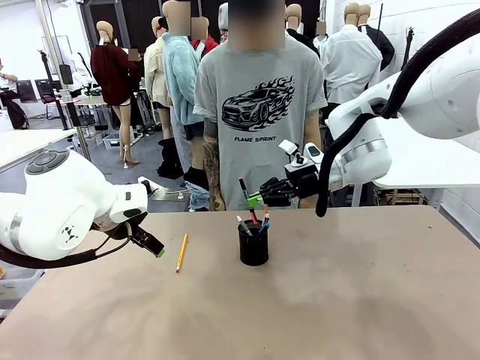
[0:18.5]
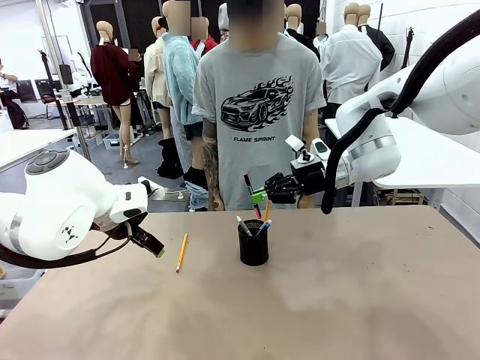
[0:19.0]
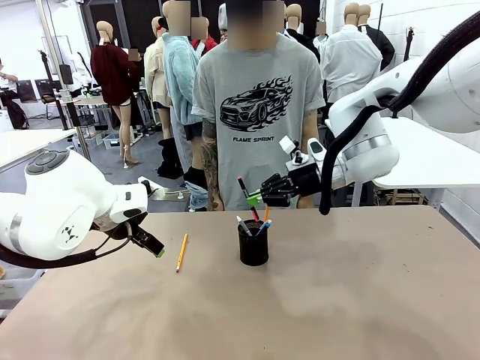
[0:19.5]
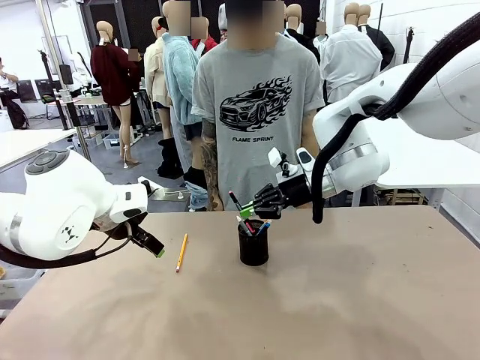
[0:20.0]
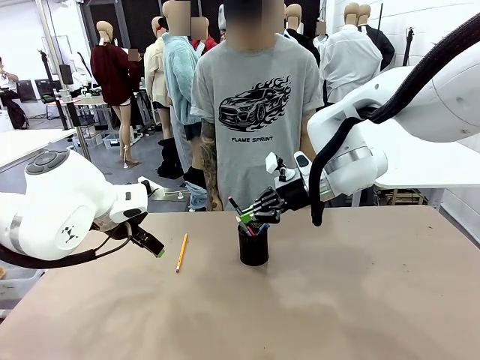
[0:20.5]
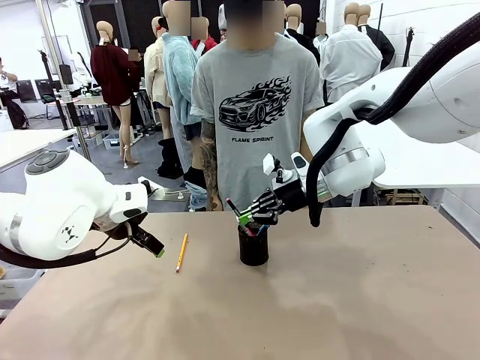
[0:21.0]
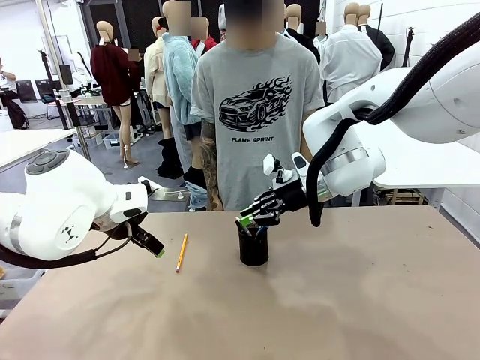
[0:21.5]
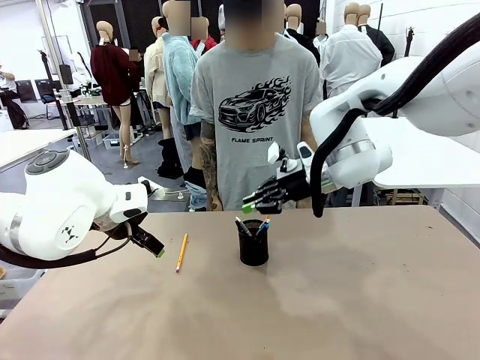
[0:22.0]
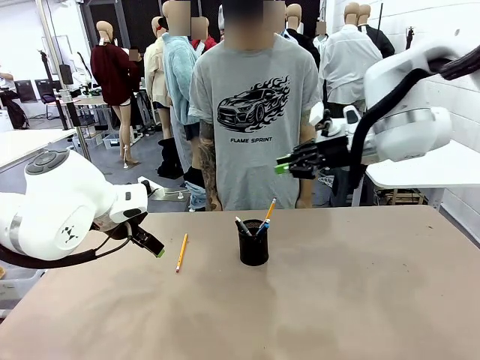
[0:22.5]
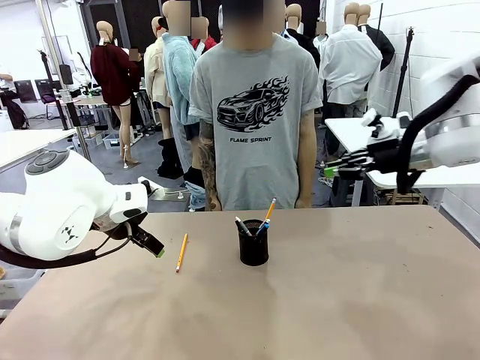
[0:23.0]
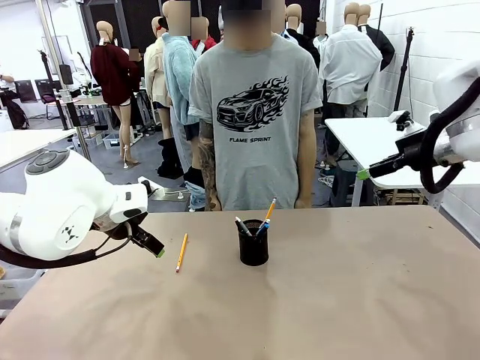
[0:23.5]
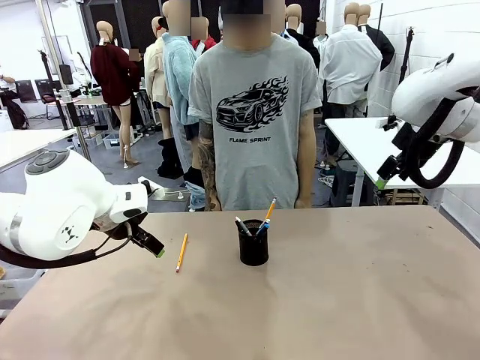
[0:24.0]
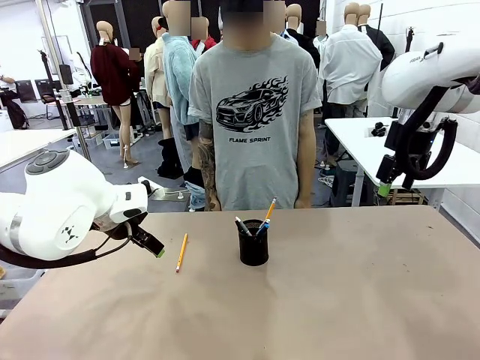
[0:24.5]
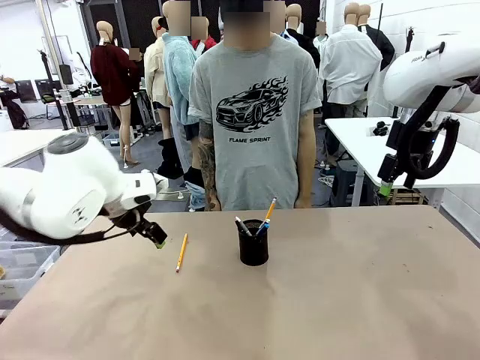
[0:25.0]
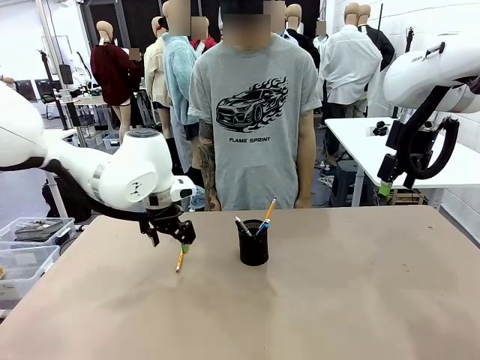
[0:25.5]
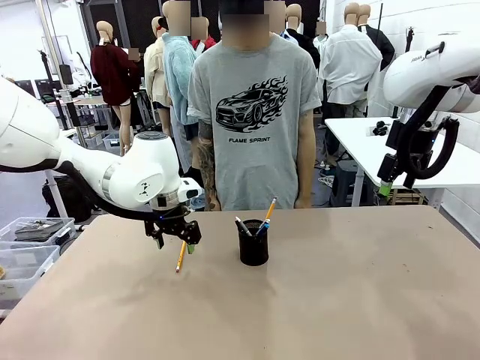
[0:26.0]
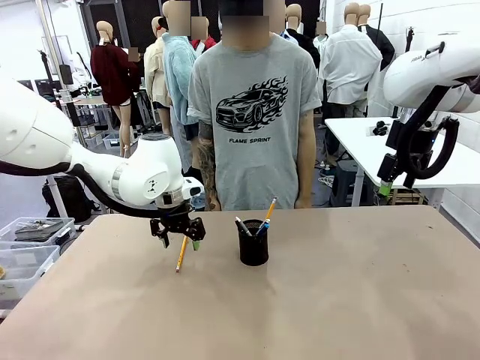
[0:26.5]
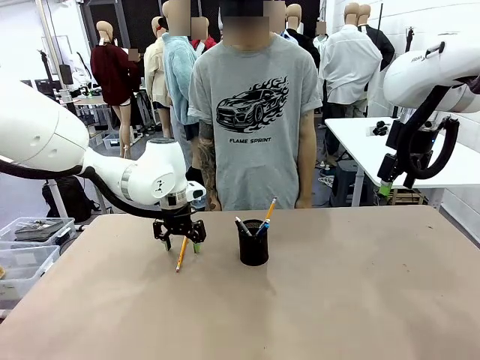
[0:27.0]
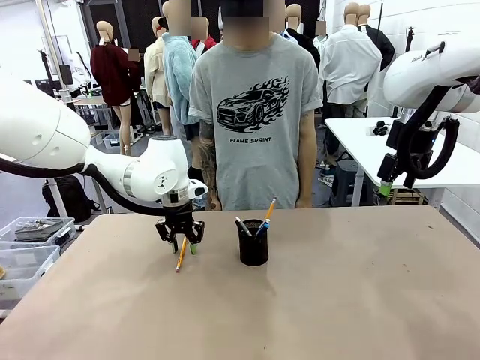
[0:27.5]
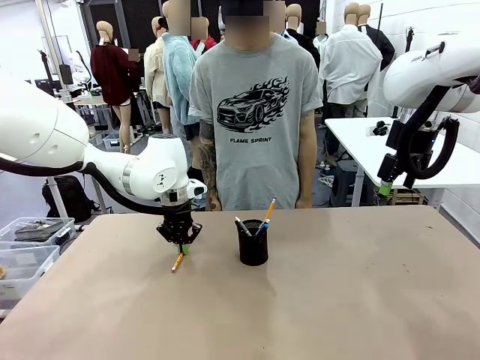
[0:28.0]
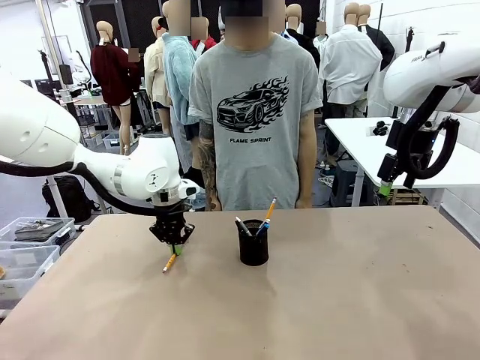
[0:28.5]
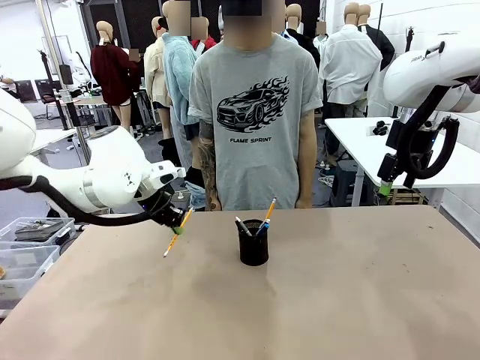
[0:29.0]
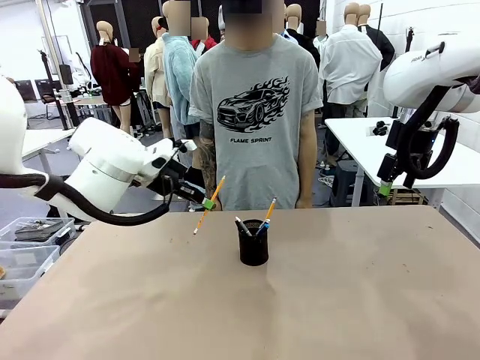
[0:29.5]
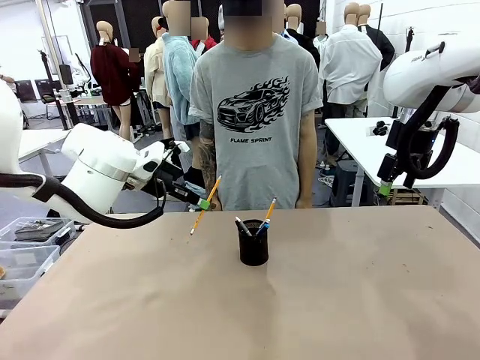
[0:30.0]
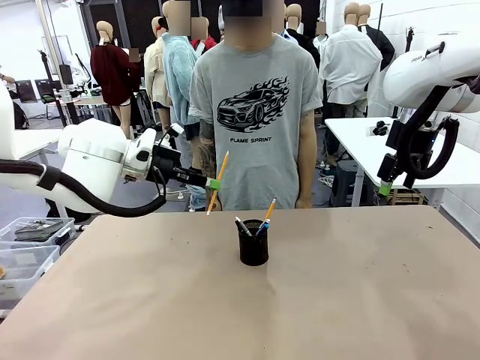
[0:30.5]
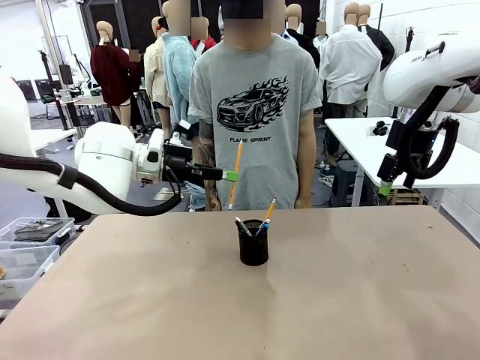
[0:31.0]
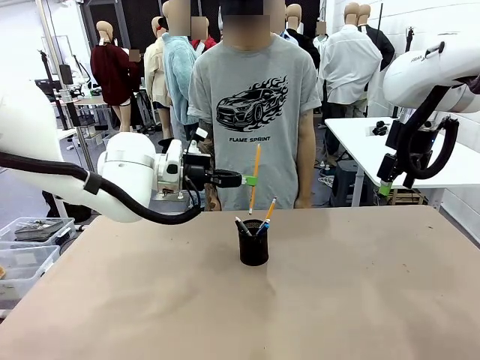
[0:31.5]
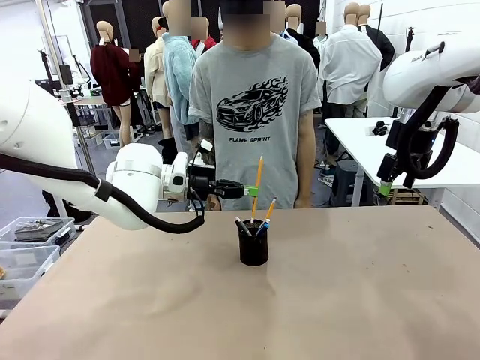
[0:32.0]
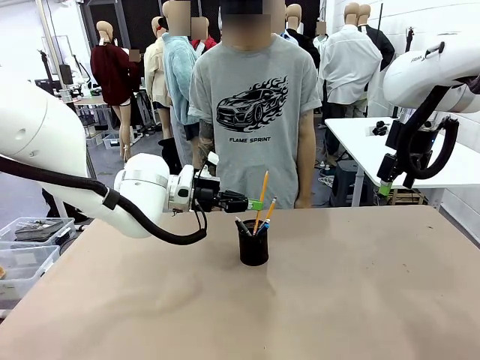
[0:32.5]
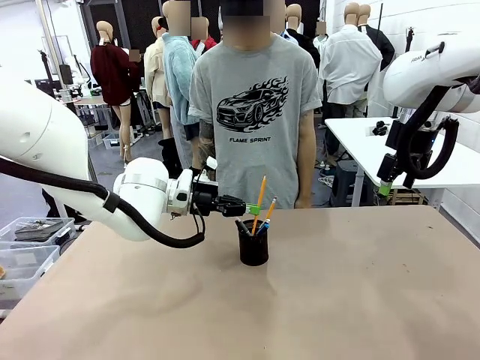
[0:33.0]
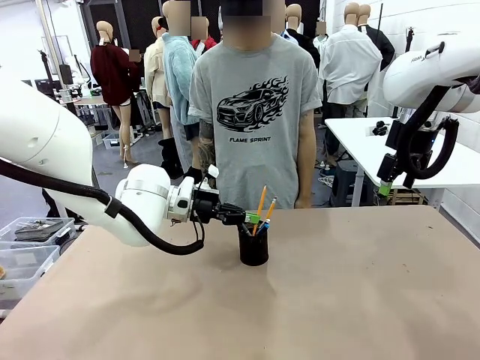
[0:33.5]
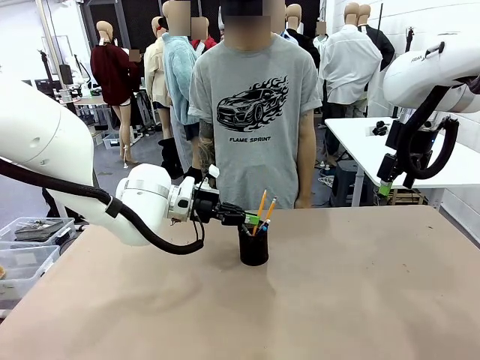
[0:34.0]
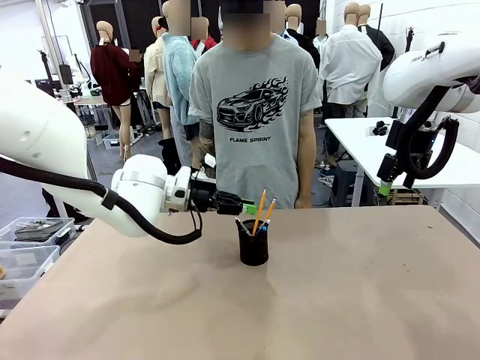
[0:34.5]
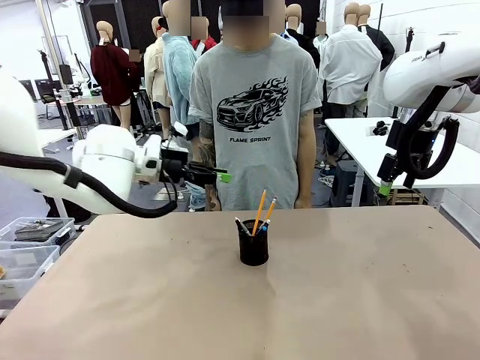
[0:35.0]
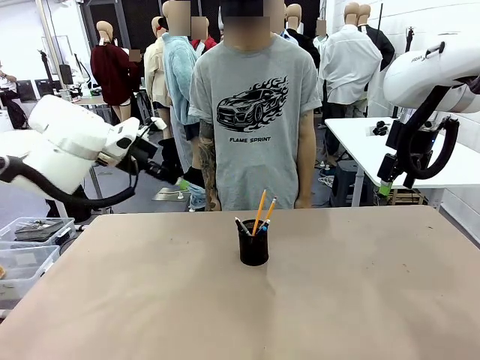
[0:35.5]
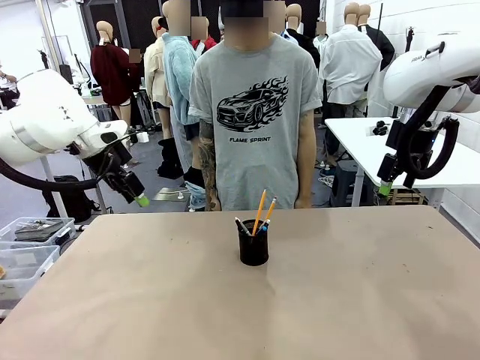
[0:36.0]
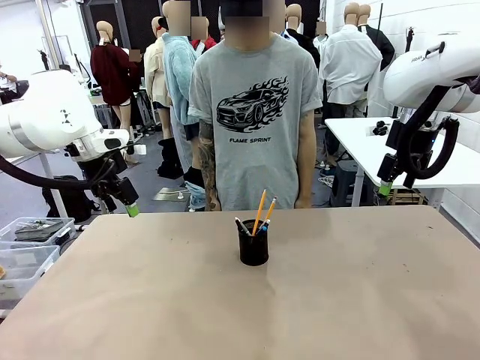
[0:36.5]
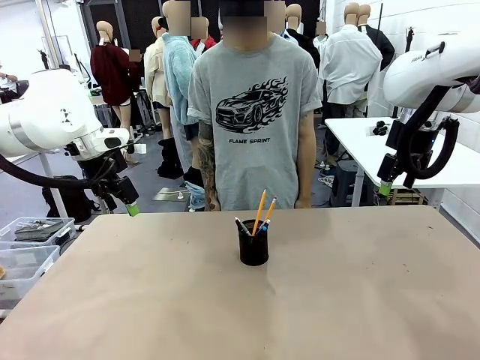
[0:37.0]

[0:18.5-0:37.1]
Task: Place the pens into the pen holder.
Robot: Pick up a writing instrument from the table and place it into the Pen holder.
Person: Place all writing instrument into the Pen holder.

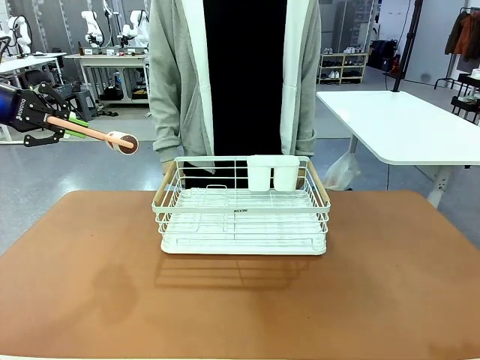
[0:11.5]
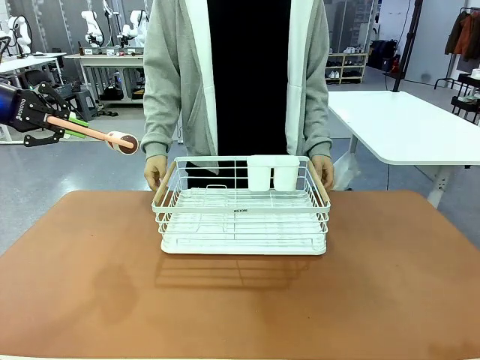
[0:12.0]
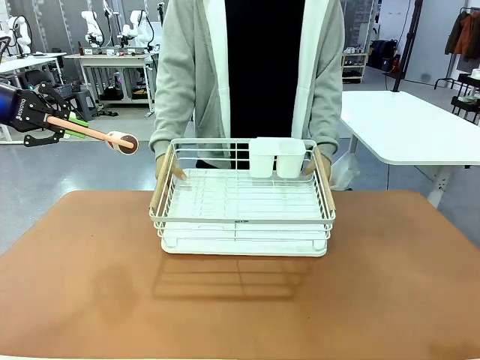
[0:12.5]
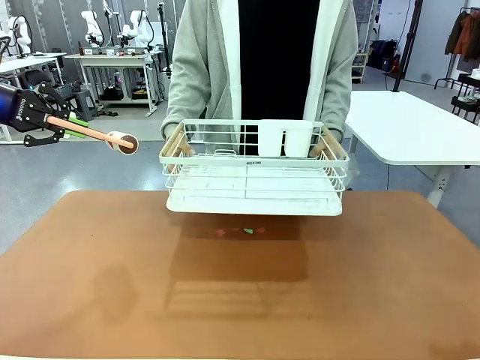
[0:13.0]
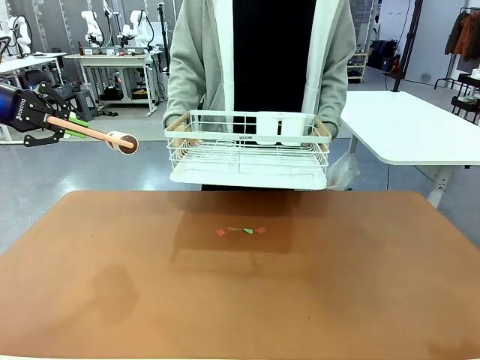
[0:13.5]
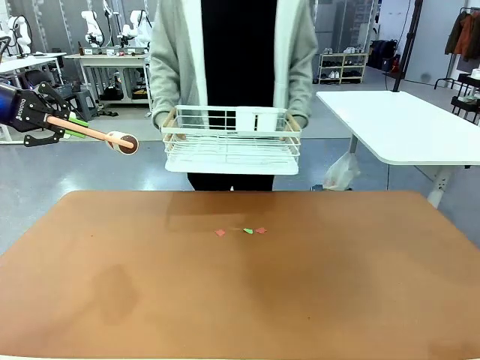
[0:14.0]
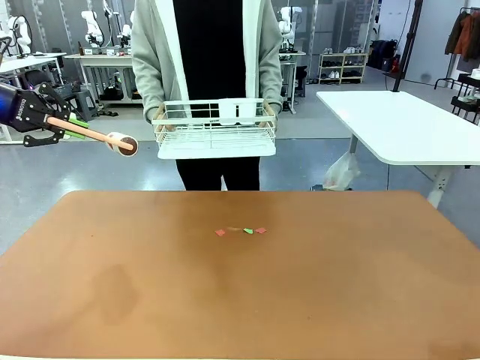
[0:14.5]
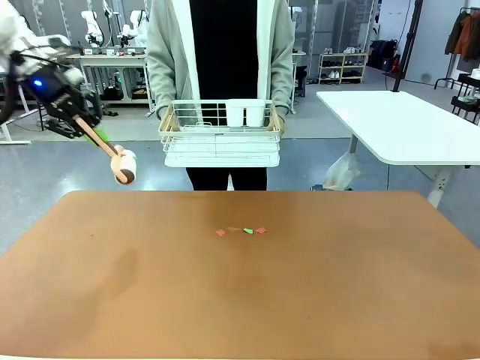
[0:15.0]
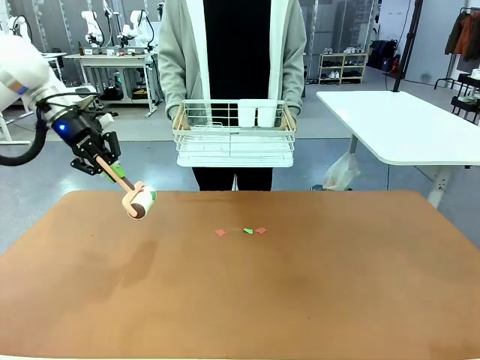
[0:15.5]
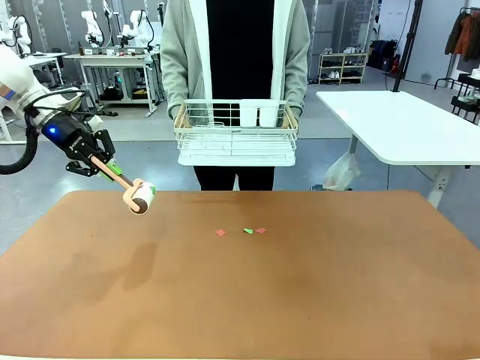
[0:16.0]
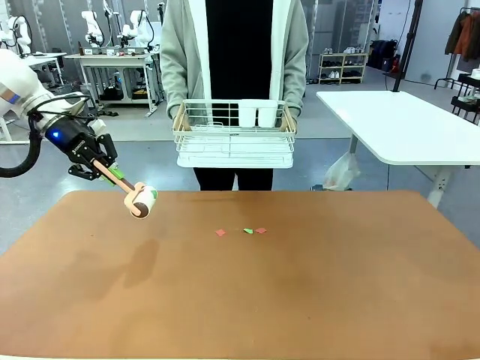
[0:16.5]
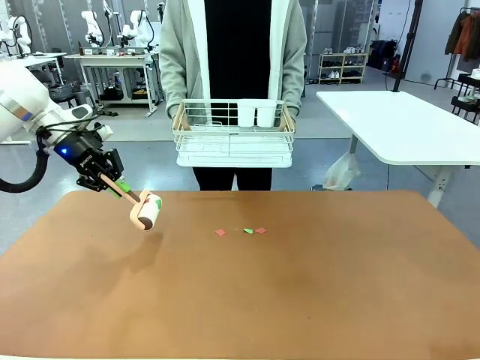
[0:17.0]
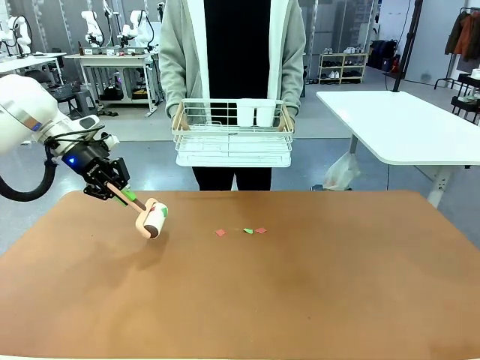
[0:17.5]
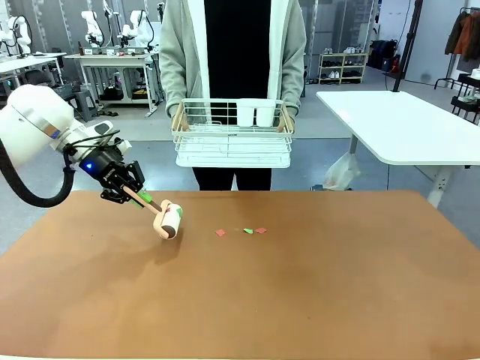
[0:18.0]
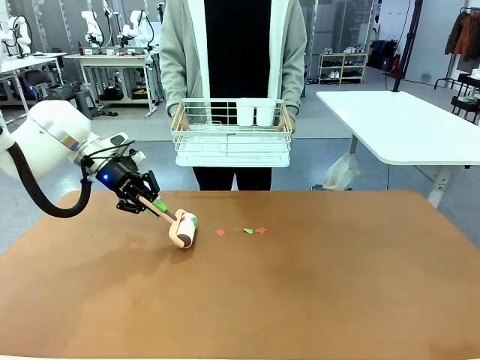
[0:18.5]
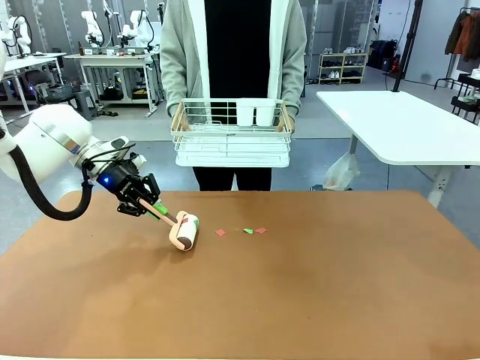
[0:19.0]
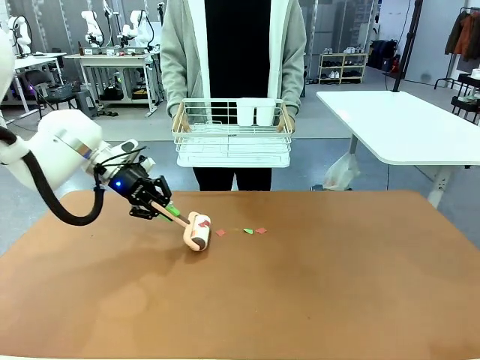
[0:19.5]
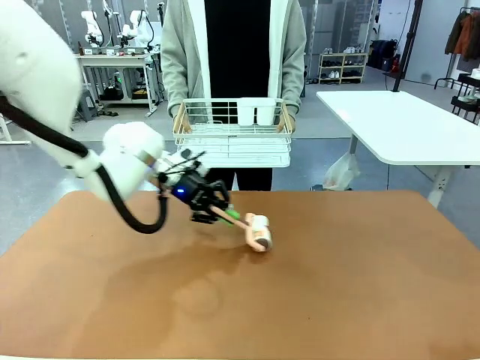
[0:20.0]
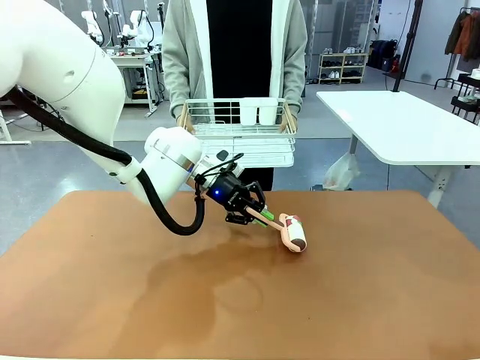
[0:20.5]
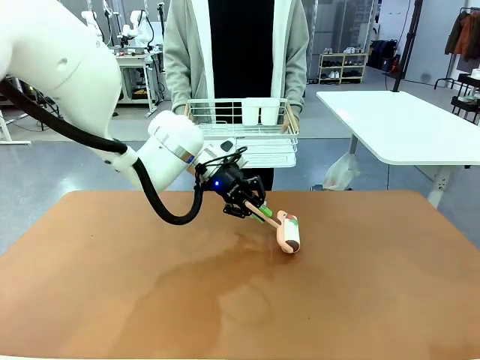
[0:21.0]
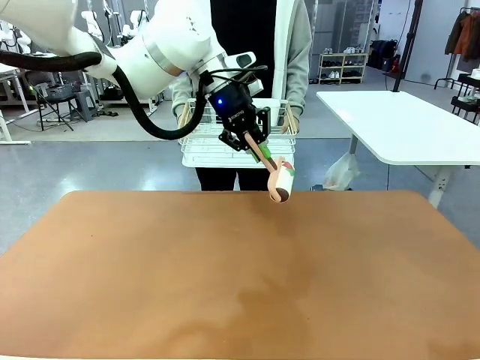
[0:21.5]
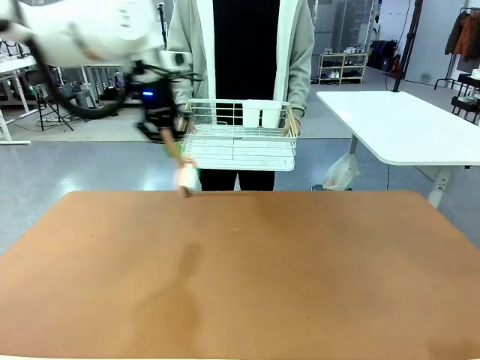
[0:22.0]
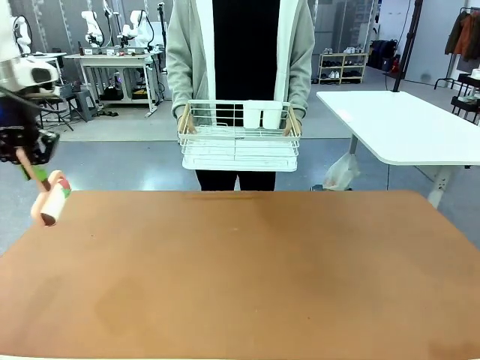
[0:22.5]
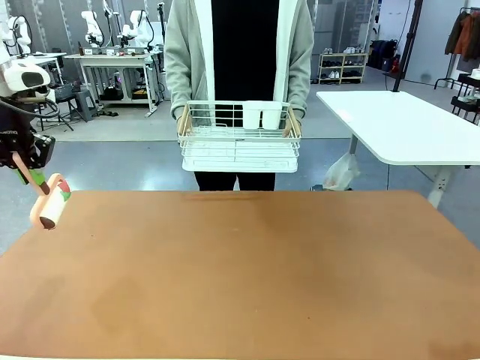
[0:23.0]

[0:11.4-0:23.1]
Task: Clean the table.
Robot: Clean the table with the Lint Roller when the human lifts the Dish drying rack.
Person: Place the Dish drying rack down when the robot finishes cleaning.
